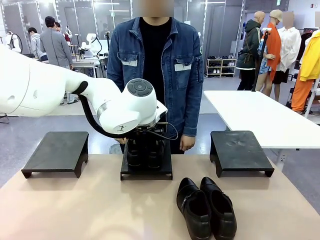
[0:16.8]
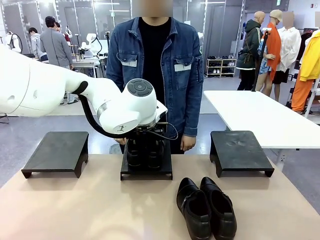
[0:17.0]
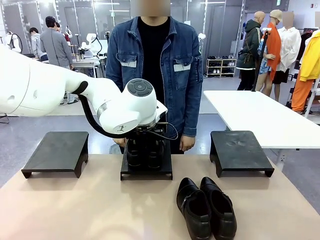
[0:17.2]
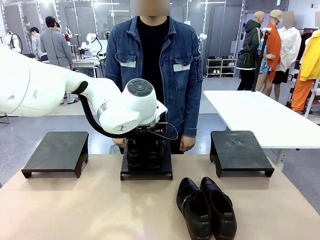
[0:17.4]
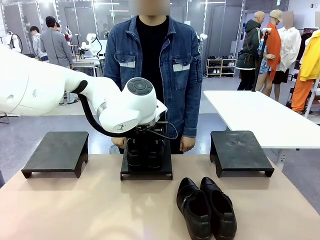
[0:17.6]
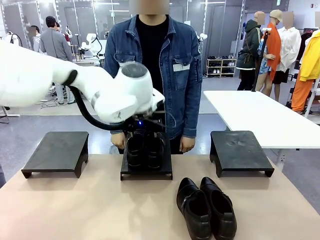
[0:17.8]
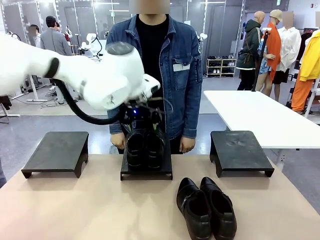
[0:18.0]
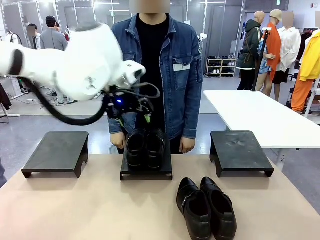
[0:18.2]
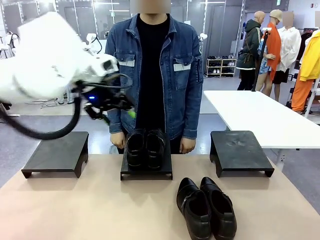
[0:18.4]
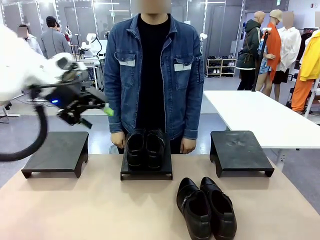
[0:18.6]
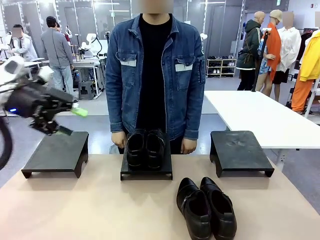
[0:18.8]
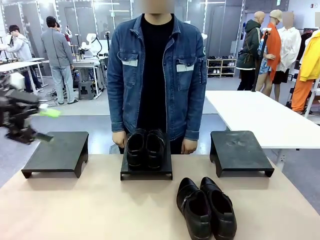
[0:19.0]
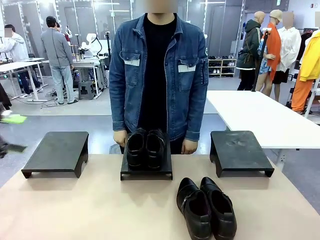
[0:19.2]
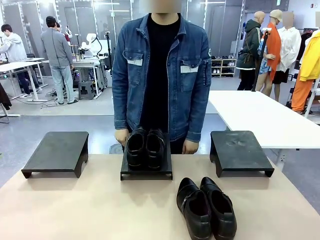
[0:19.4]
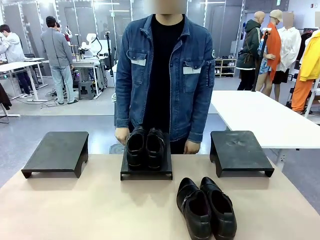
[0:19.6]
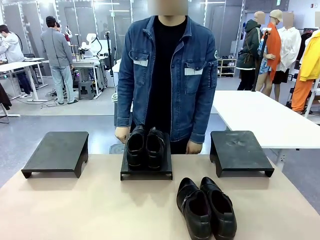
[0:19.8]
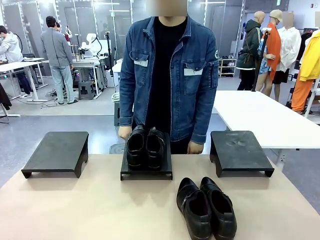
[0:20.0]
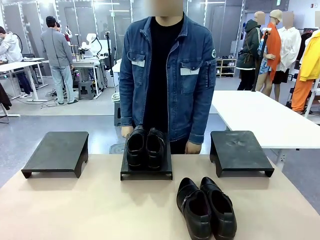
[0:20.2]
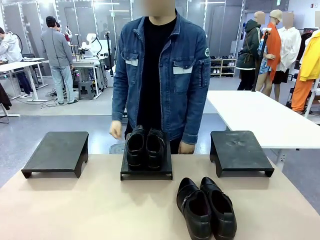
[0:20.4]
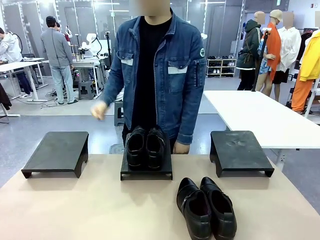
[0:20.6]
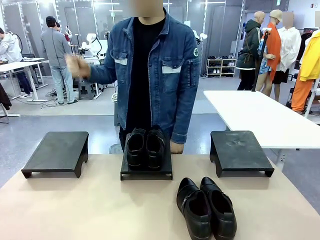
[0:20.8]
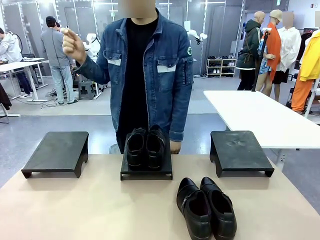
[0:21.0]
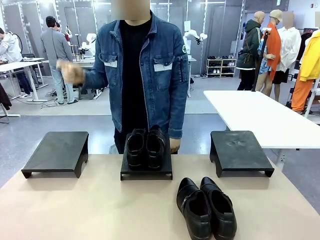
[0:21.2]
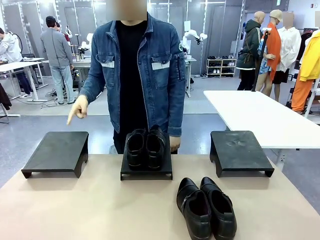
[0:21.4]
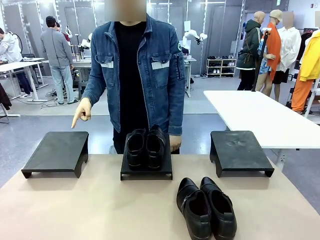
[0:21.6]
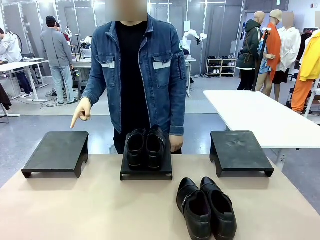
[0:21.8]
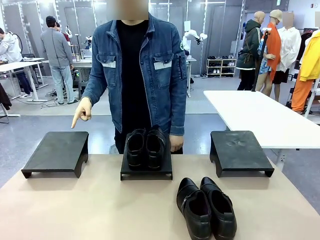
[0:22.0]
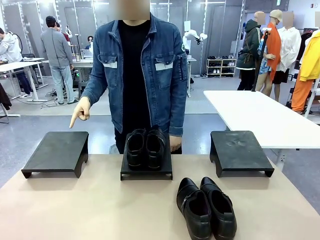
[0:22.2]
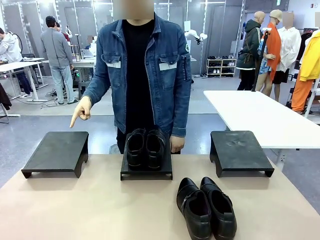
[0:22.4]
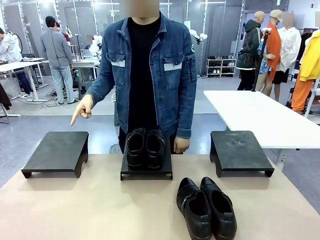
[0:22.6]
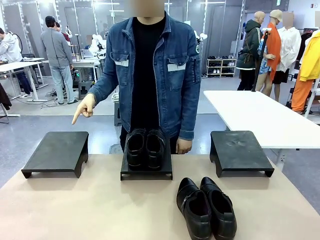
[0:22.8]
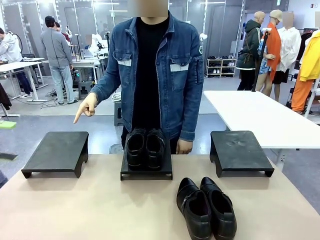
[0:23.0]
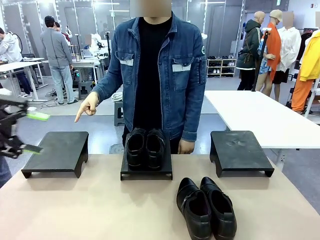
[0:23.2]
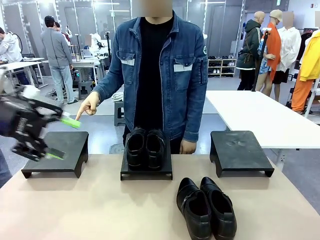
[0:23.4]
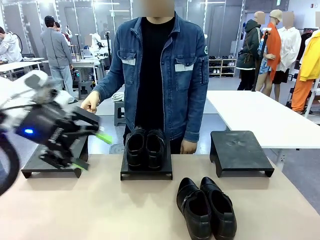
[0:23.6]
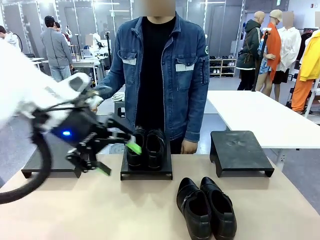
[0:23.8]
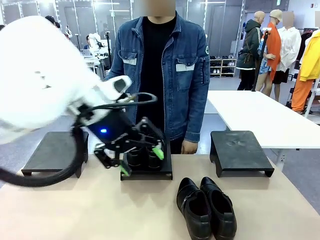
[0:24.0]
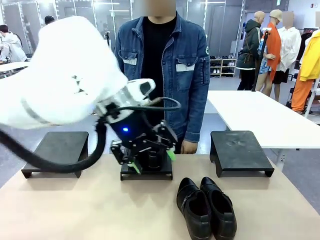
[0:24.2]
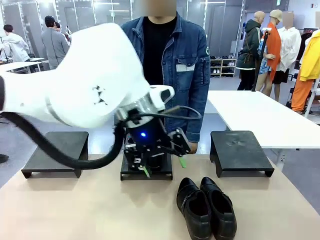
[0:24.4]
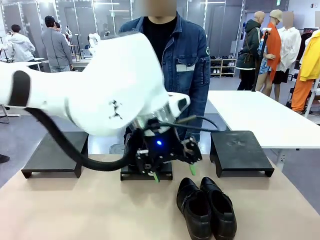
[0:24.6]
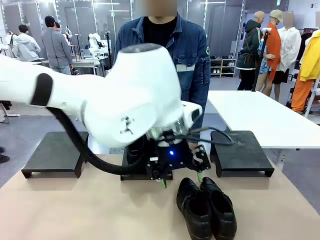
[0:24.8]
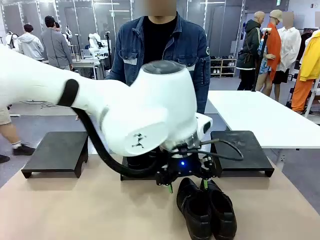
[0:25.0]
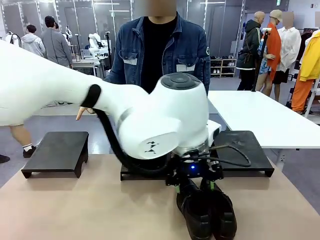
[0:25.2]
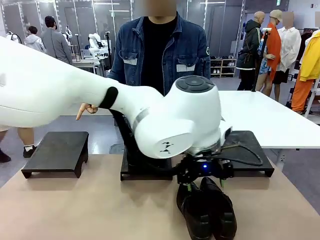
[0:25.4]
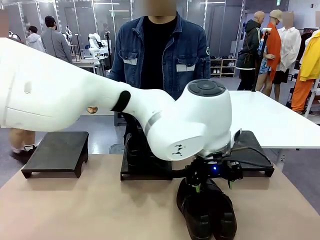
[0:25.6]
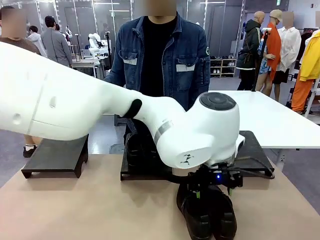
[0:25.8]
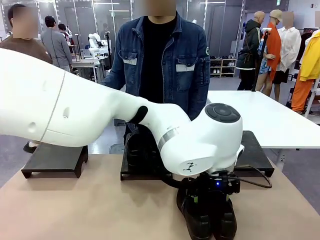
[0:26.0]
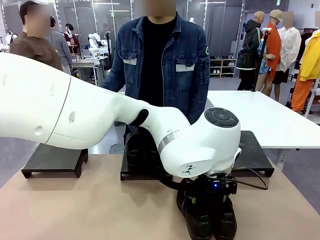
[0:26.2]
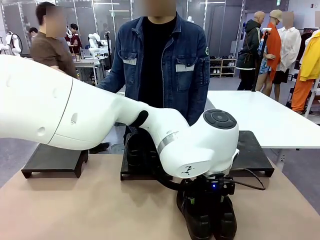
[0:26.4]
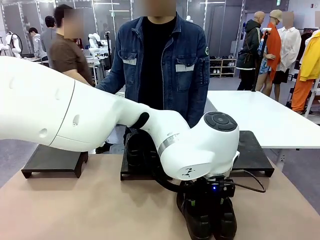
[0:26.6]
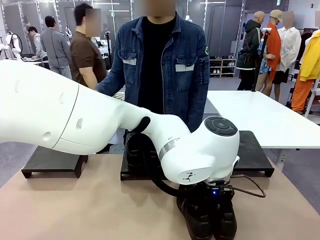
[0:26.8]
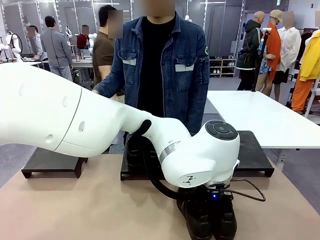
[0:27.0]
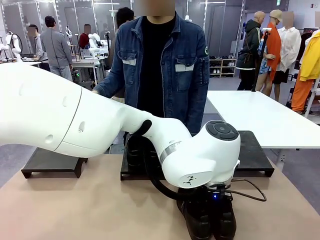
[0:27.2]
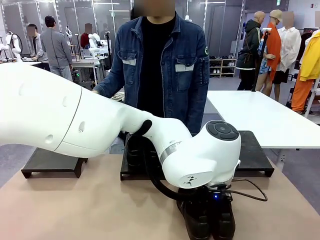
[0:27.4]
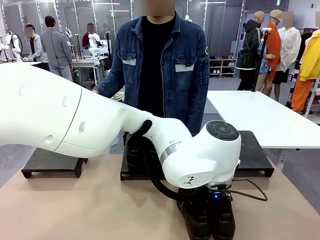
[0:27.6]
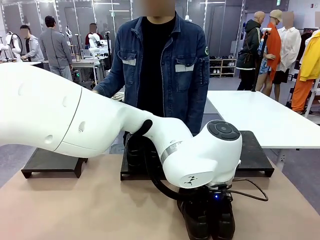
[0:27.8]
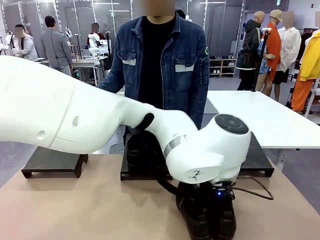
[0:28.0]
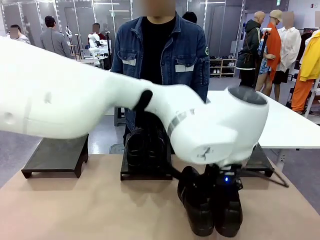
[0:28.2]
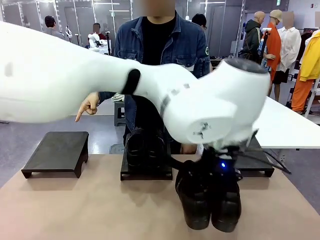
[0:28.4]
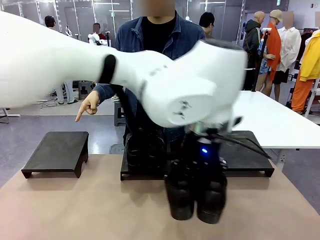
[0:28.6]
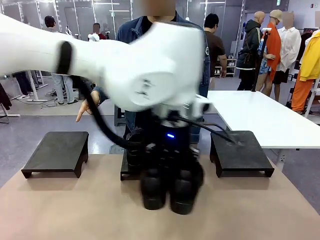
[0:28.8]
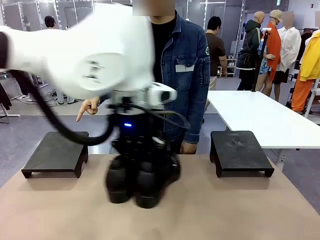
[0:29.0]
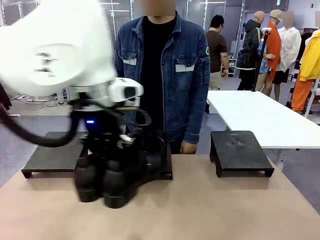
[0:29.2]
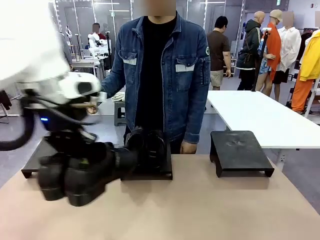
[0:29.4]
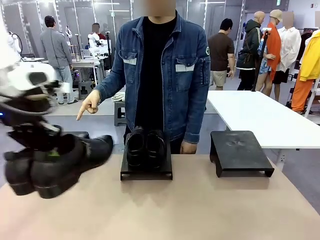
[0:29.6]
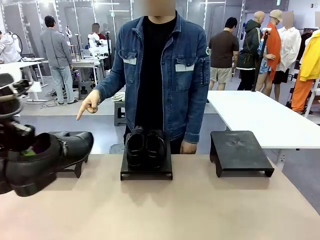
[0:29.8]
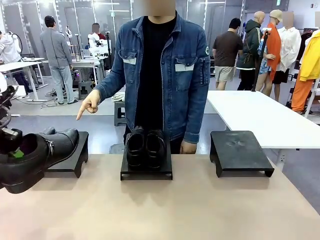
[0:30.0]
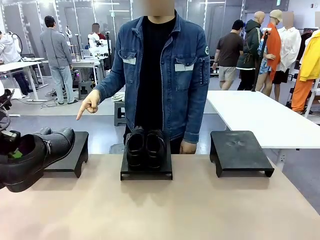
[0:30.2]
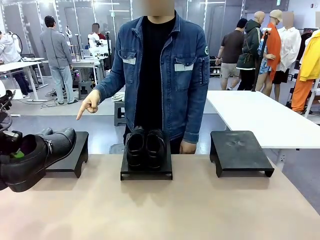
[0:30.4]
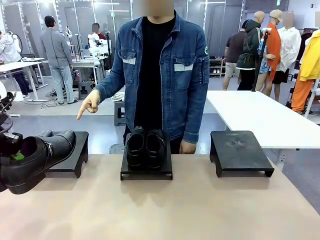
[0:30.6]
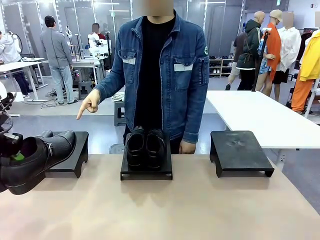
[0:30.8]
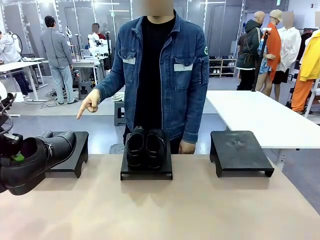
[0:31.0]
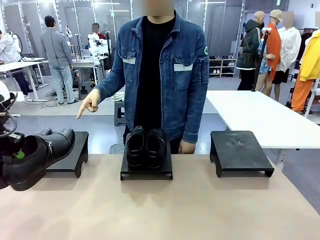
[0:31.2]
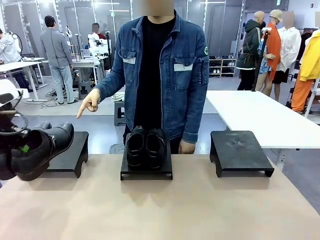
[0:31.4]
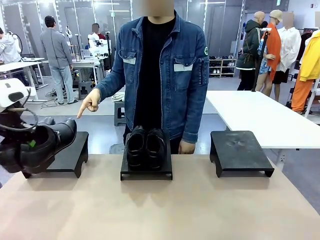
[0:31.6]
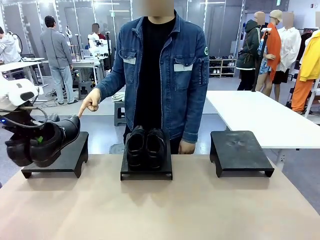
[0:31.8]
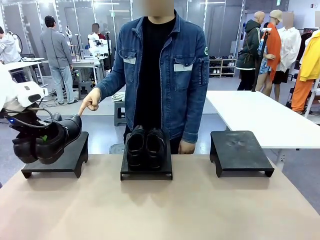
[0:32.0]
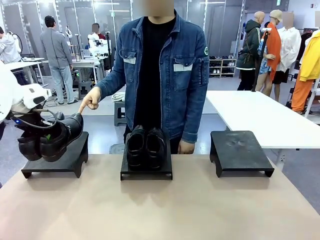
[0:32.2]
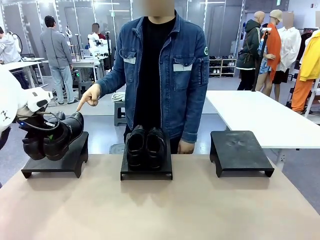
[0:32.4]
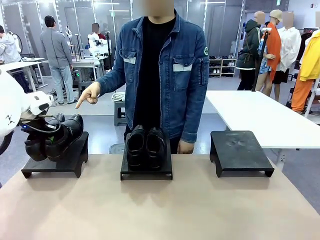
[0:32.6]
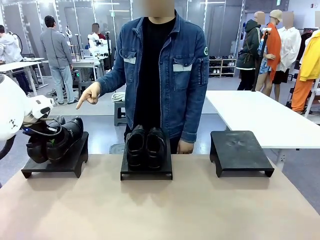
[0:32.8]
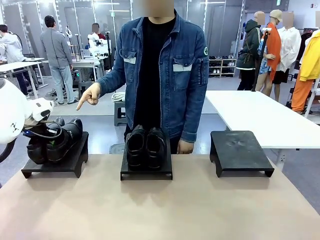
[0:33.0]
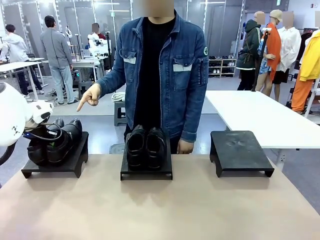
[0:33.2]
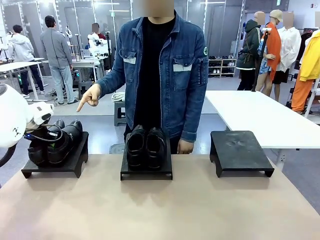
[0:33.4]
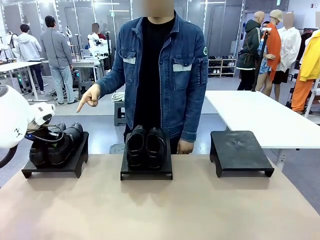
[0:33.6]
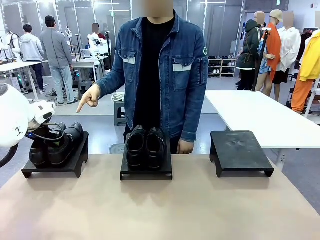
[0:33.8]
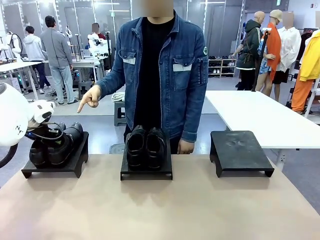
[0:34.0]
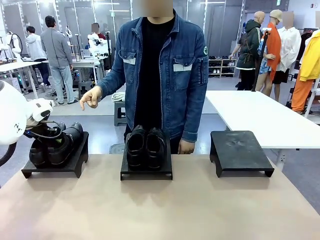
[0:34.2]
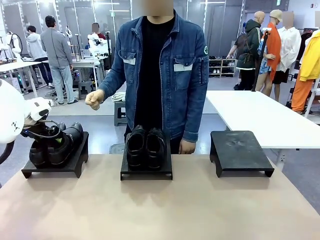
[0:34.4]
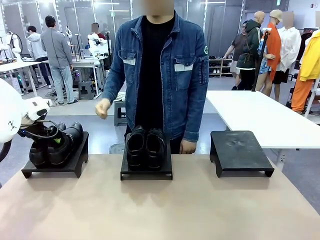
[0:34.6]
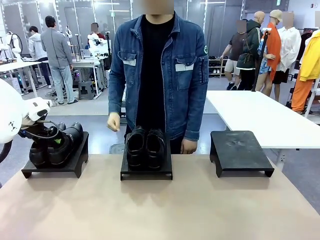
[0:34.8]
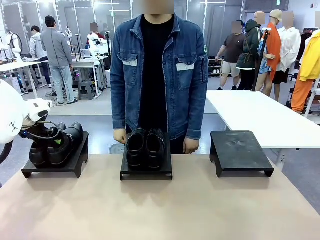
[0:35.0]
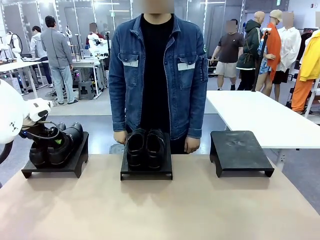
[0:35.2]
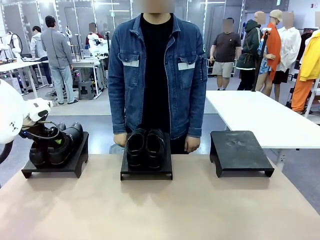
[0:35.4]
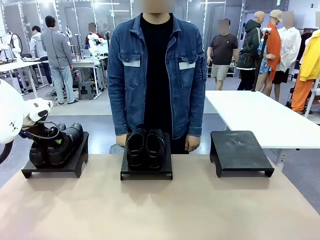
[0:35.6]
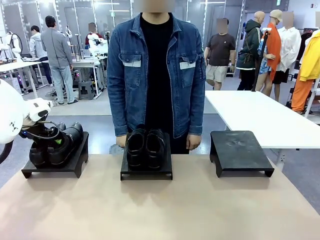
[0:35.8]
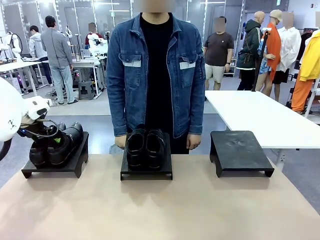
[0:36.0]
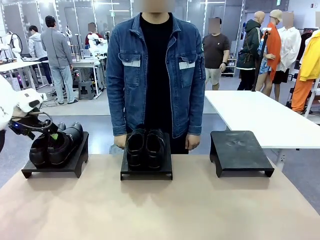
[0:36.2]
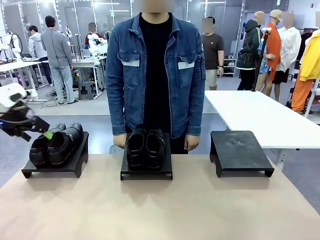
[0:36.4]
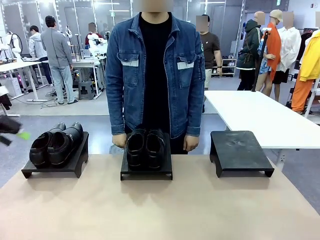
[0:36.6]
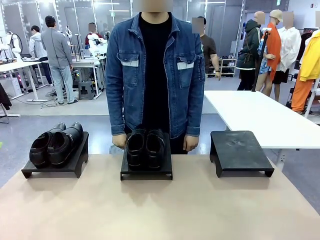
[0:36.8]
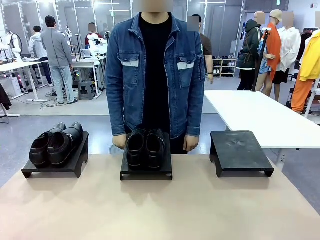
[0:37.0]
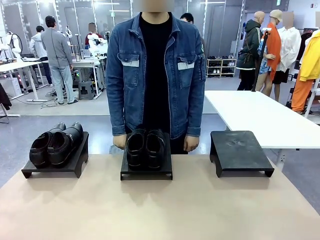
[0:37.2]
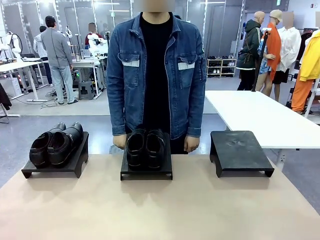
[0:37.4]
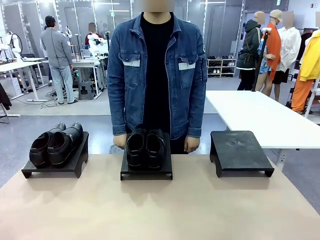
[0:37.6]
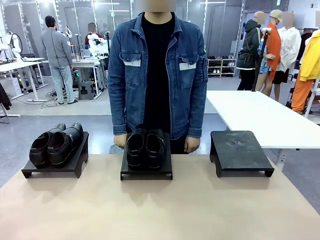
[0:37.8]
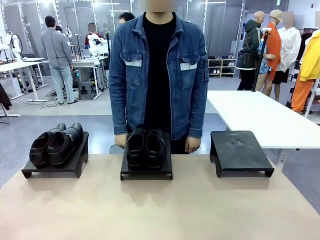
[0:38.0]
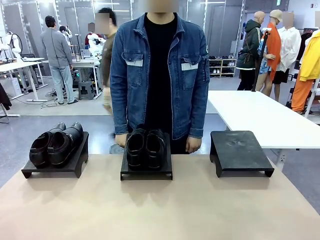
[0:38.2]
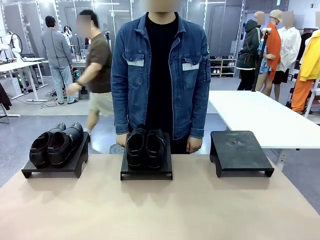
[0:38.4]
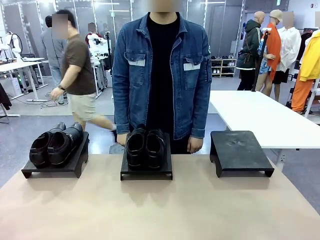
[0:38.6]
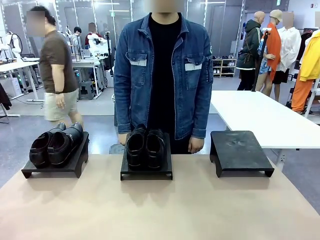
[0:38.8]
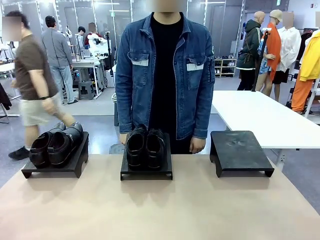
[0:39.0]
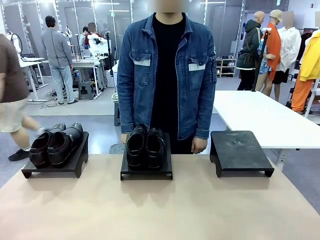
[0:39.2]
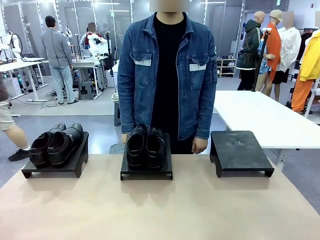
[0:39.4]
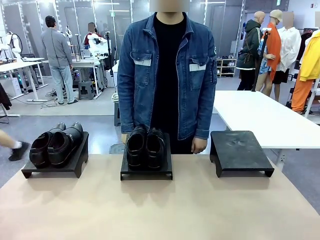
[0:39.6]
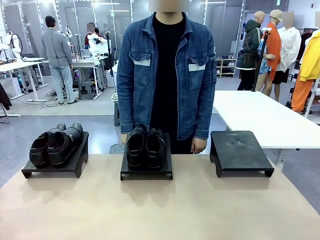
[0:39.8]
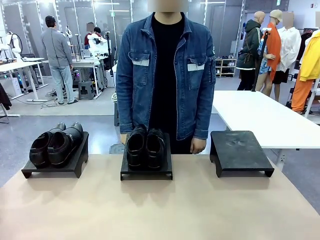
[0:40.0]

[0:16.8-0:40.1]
Task: Place the shoes on the stand as instructed by the person.
Robot: Pick up another pair of Shoes and place it on the Shoes Stand indicated by the person.
Person: Point to one Shoes Stand.
